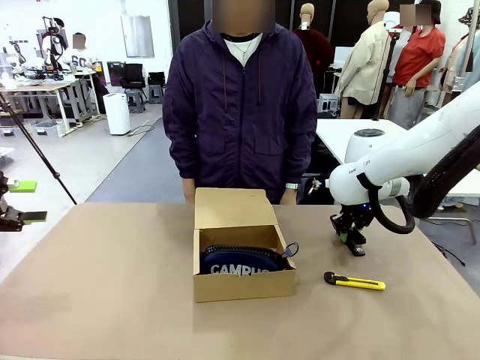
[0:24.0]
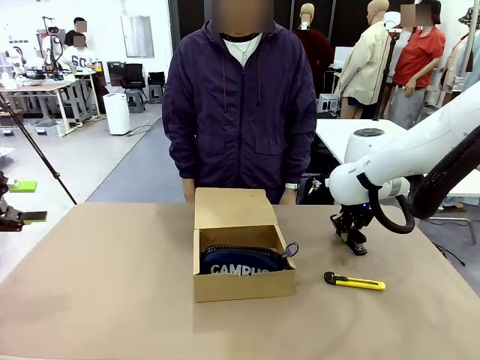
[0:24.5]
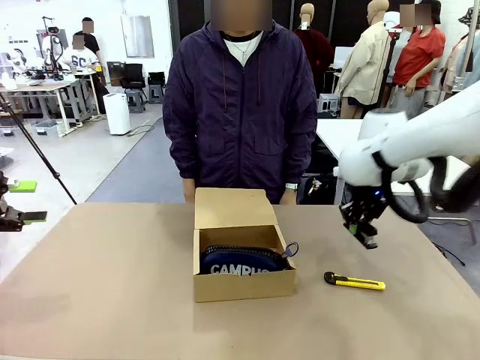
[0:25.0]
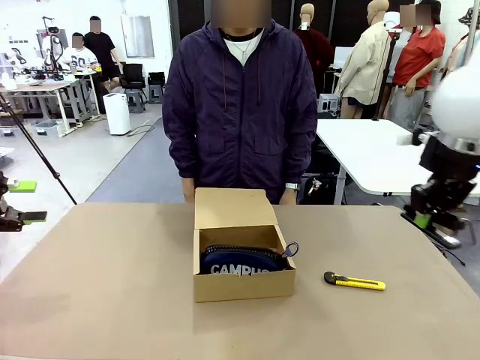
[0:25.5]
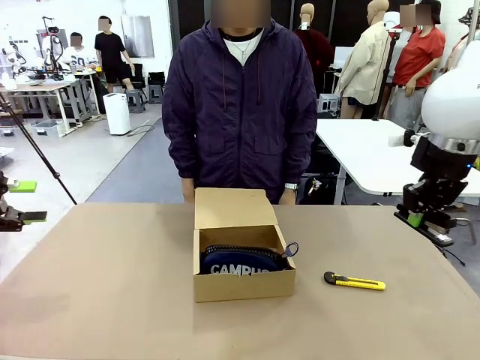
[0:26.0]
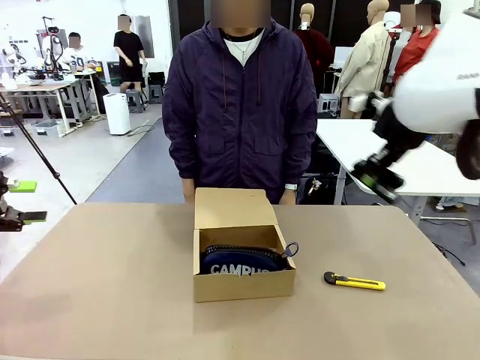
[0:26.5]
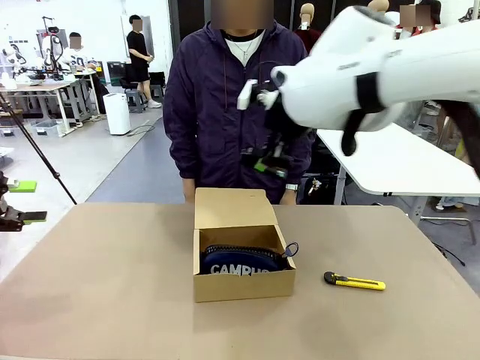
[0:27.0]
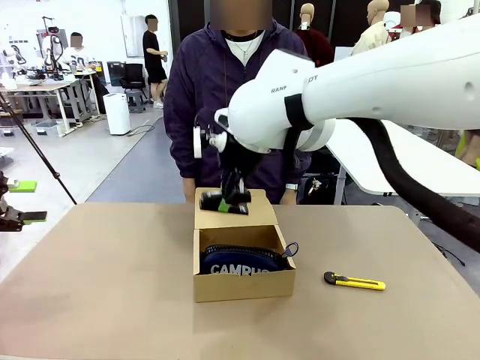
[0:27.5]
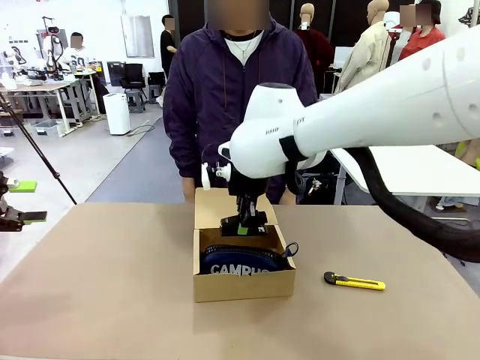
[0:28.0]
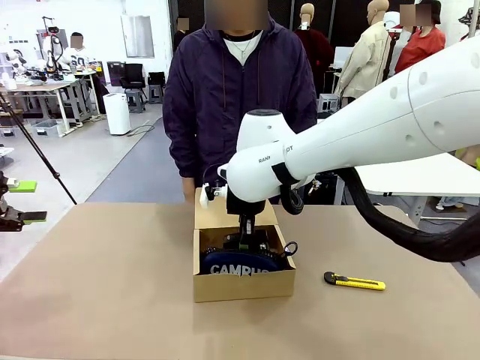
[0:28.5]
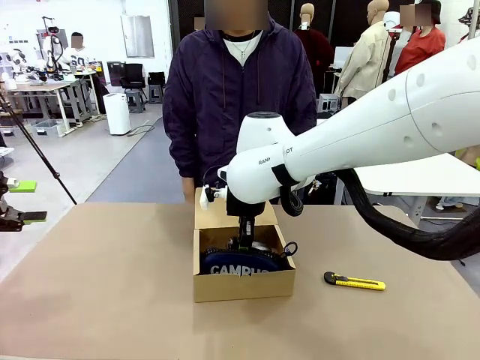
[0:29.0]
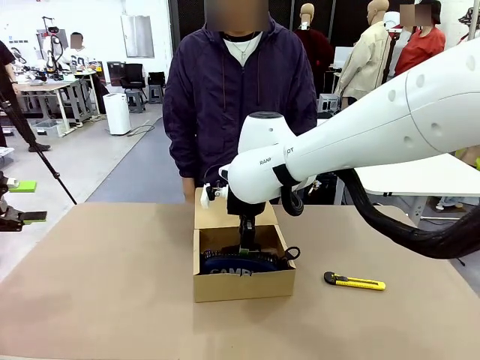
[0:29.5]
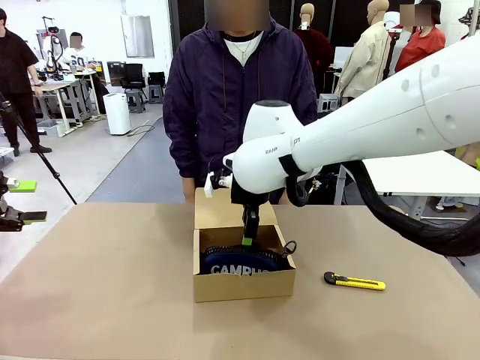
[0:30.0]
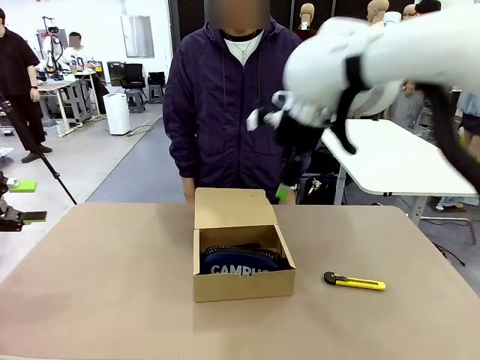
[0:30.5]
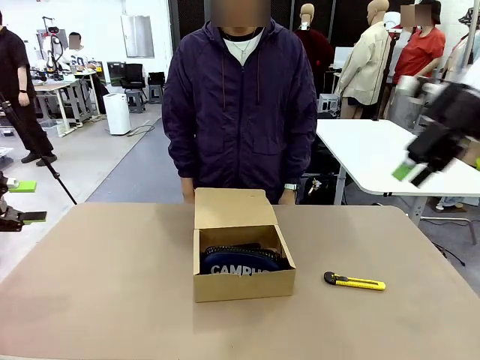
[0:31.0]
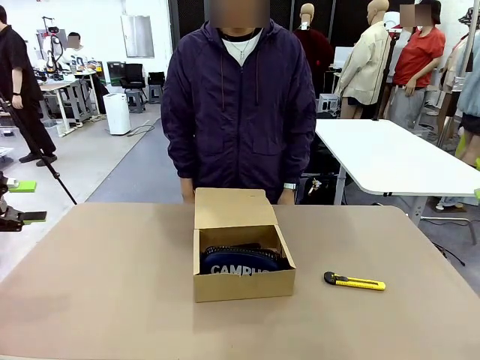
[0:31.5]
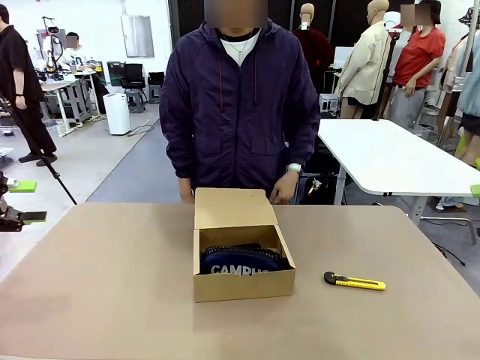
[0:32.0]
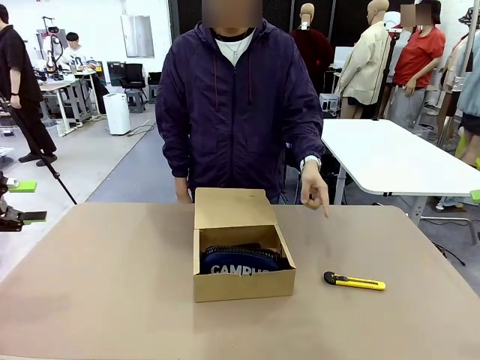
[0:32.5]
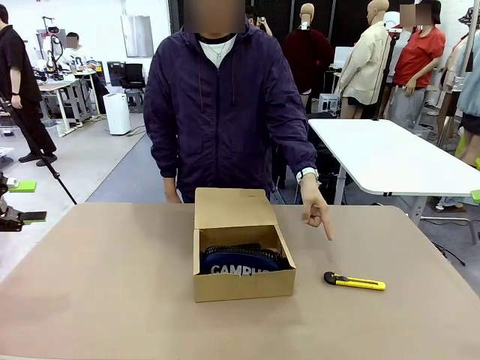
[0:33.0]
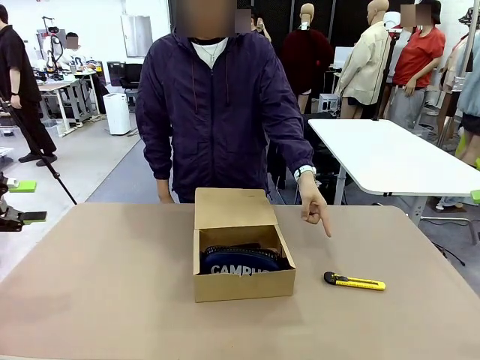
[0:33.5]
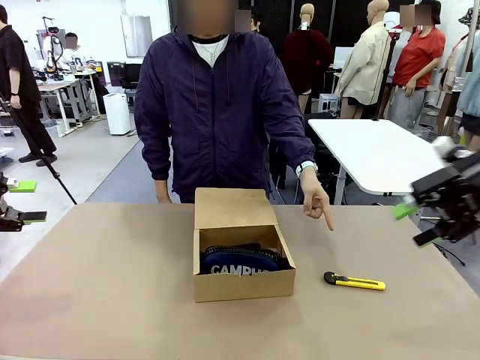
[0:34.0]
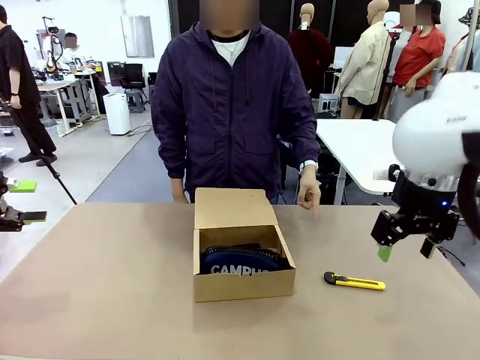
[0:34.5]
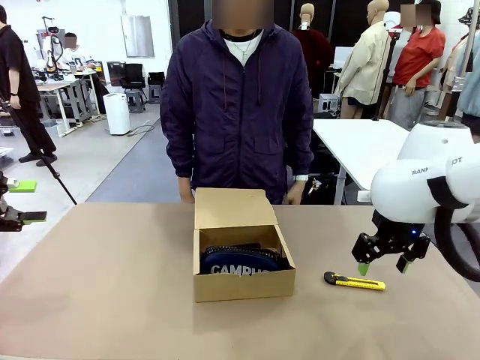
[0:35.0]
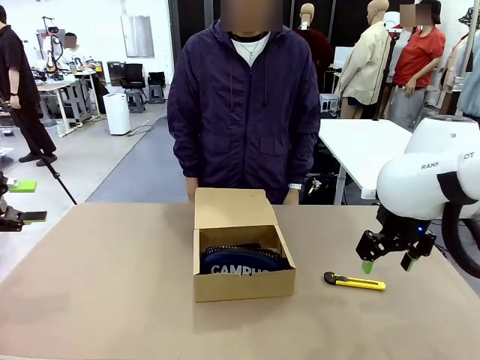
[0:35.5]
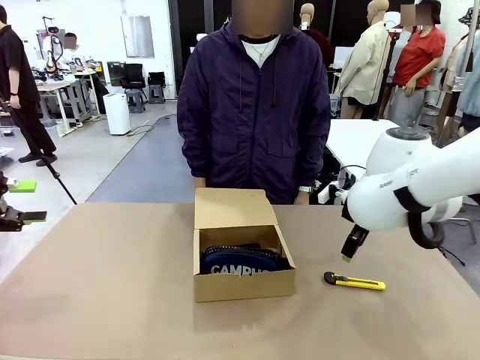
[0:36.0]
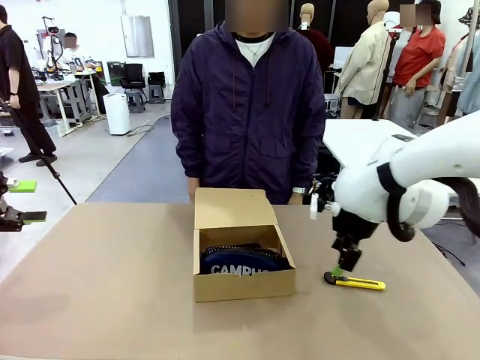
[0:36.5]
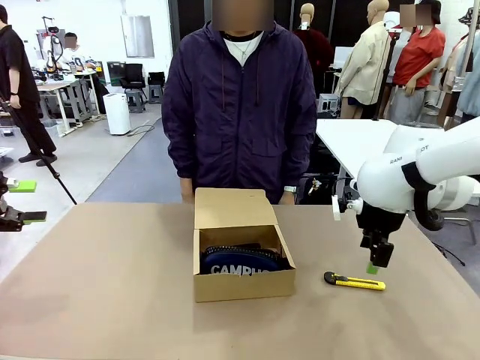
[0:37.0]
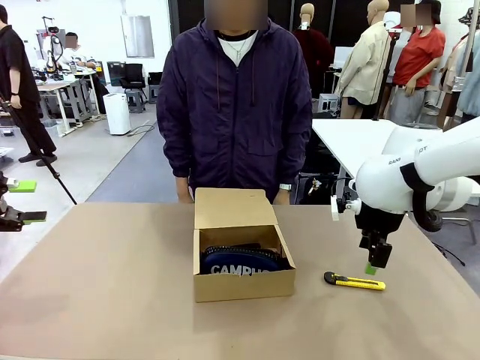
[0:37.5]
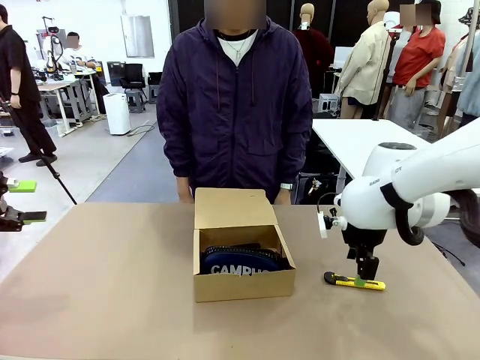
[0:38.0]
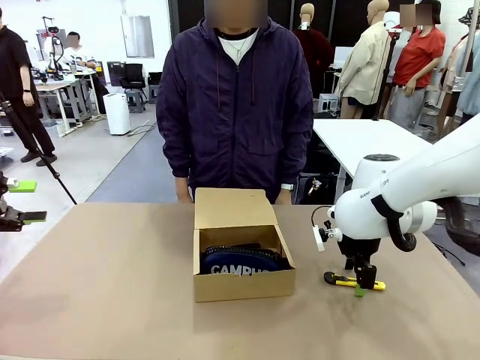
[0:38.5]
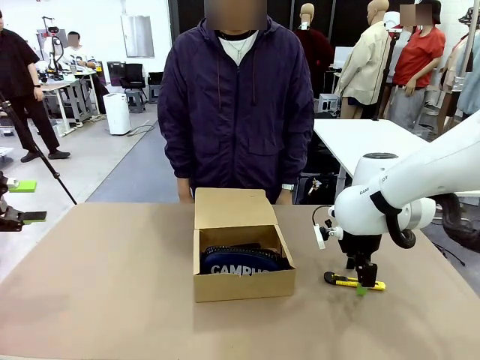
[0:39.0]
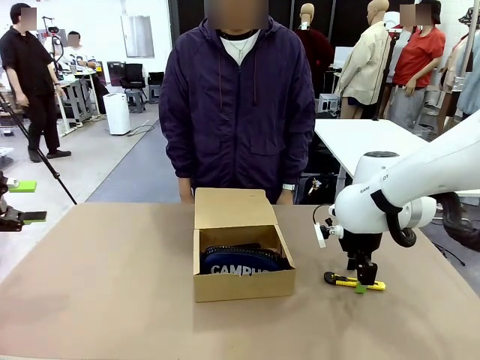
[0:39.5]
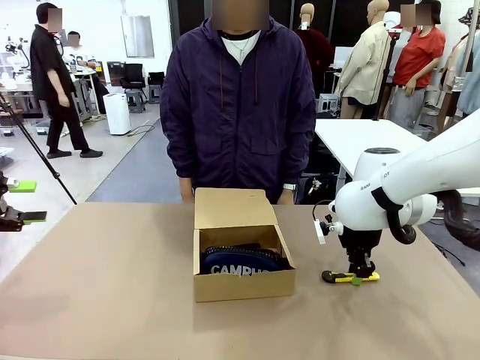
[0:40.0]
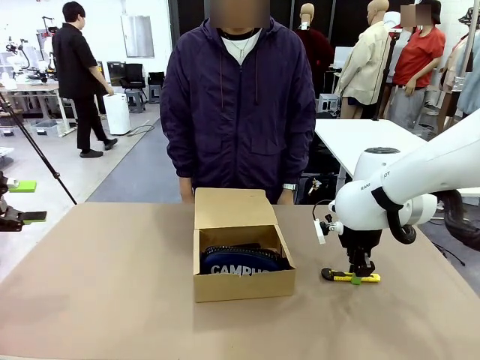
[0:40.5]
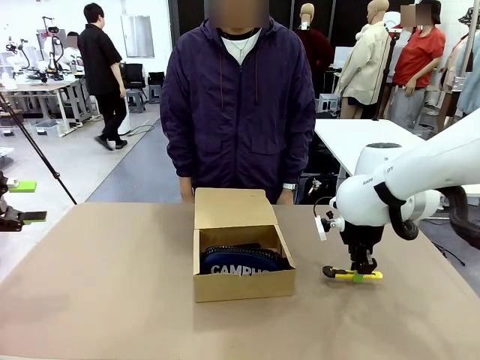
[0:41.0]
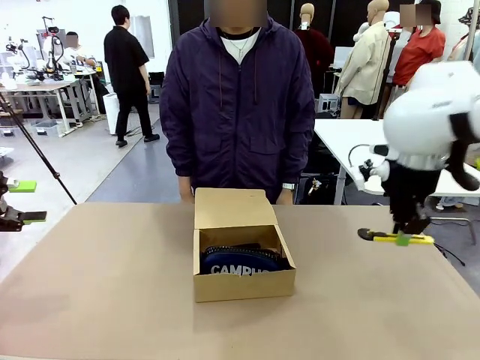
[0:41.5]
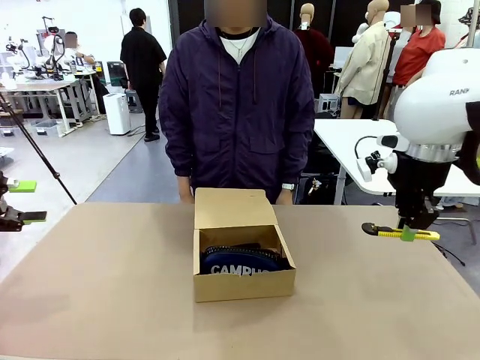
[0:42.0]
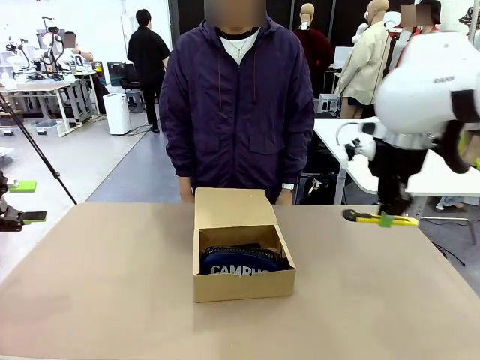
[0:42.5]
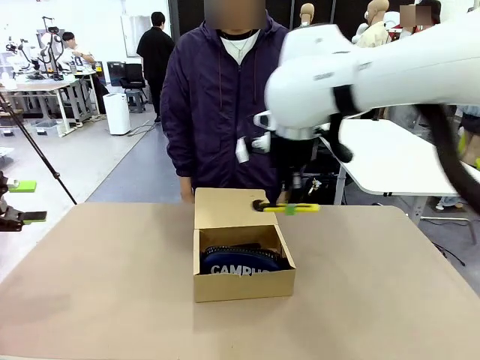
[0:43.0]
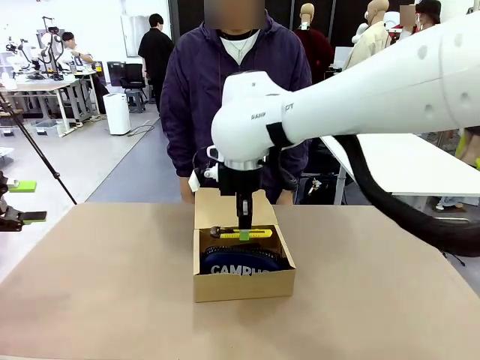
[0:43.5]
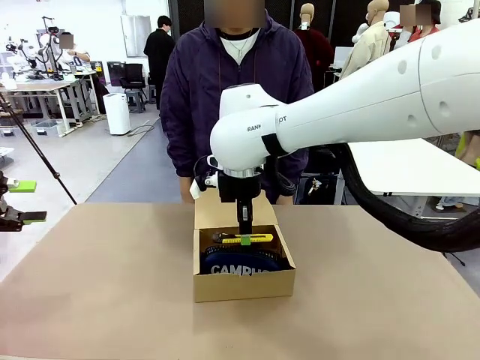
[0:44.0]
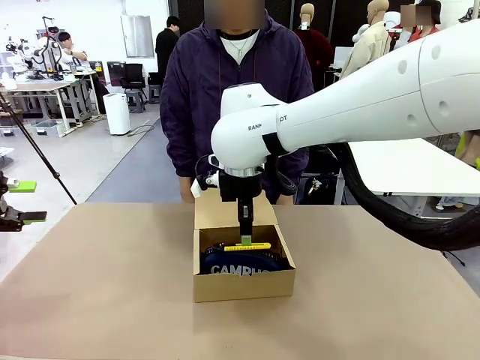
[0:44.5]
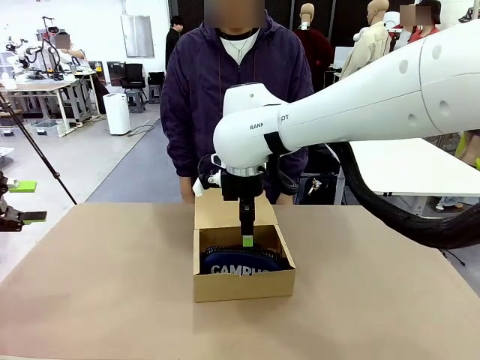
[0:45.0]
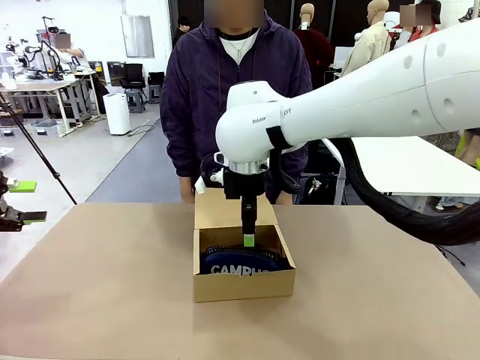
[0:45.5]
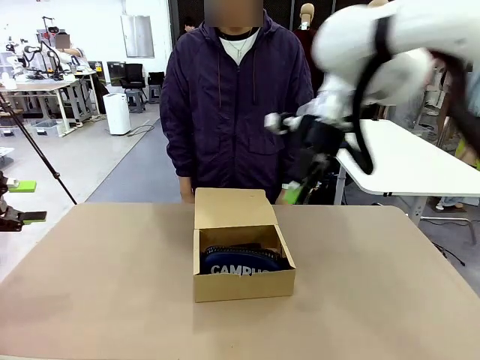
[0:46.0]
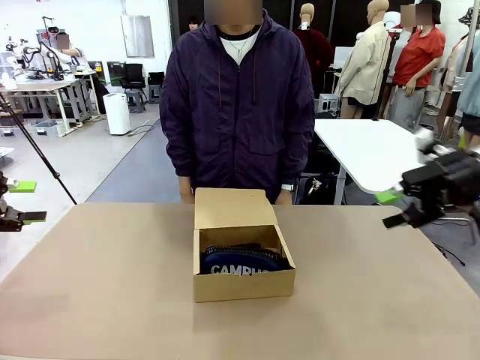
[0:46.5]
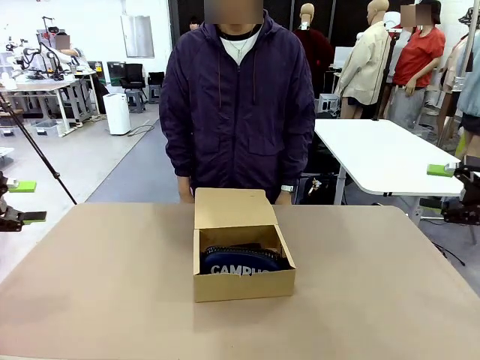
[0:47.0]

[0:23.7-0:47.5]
Task: Pack the items into the box.
Robot: Pick up the item indicated by the person and place it inside the Mailer Box.
Person: Lower both hands vertically with palms facing downward, as if pressing something closed.
